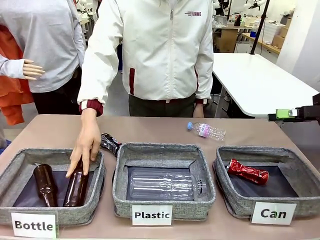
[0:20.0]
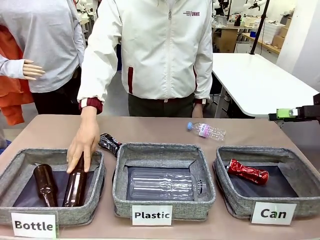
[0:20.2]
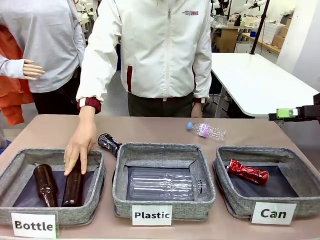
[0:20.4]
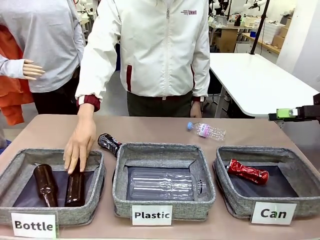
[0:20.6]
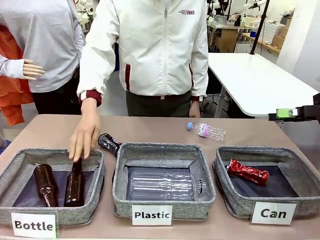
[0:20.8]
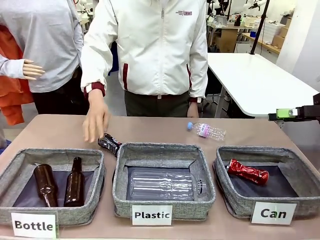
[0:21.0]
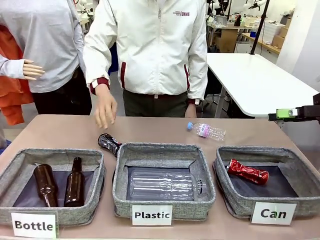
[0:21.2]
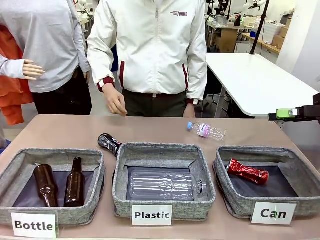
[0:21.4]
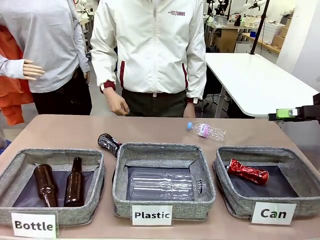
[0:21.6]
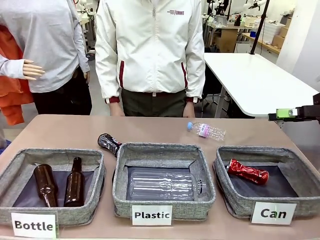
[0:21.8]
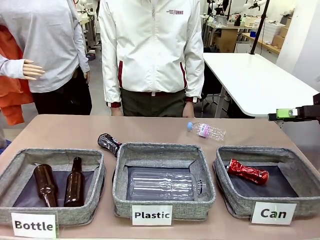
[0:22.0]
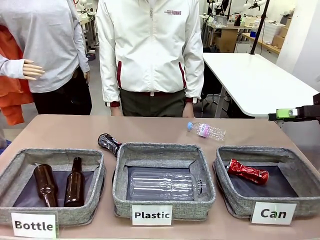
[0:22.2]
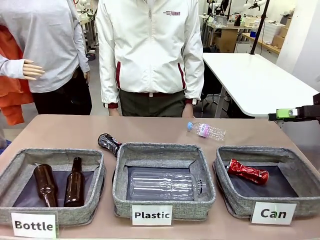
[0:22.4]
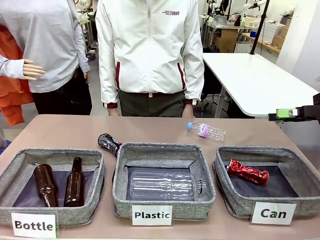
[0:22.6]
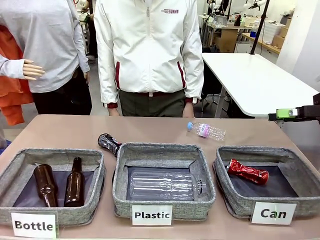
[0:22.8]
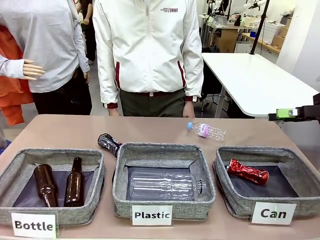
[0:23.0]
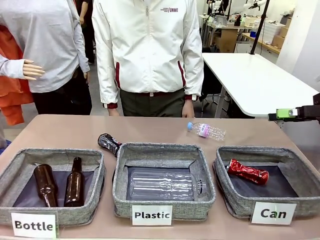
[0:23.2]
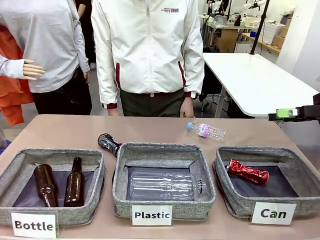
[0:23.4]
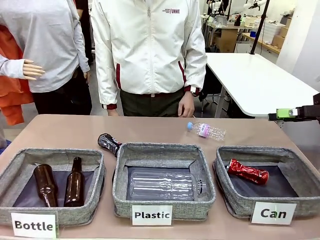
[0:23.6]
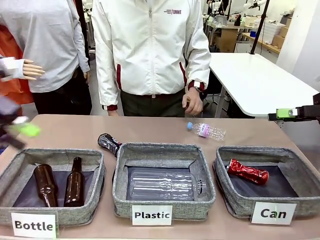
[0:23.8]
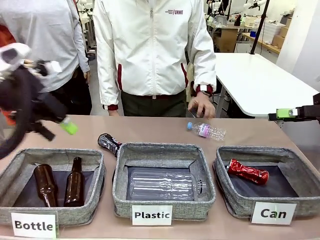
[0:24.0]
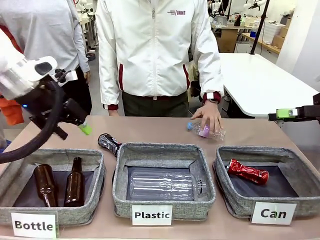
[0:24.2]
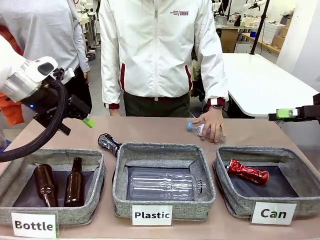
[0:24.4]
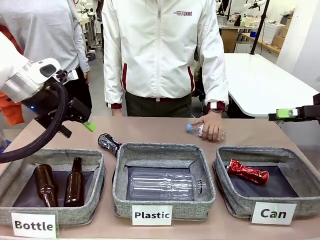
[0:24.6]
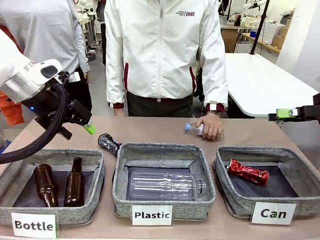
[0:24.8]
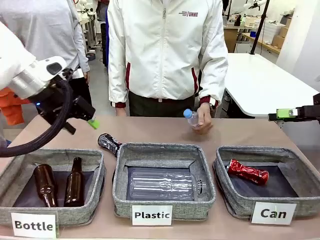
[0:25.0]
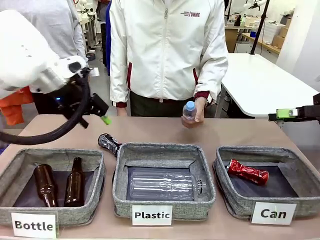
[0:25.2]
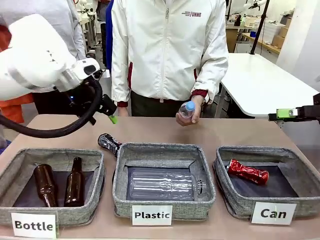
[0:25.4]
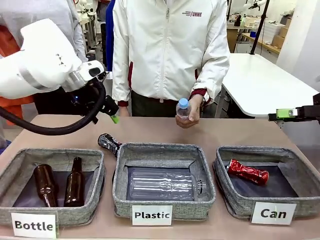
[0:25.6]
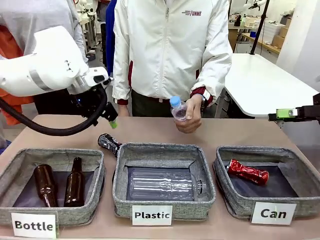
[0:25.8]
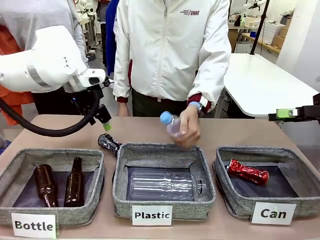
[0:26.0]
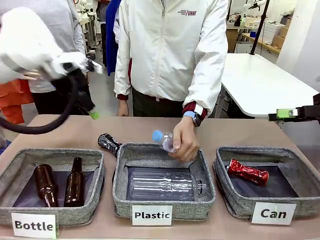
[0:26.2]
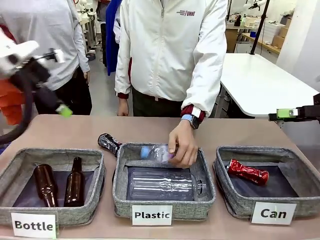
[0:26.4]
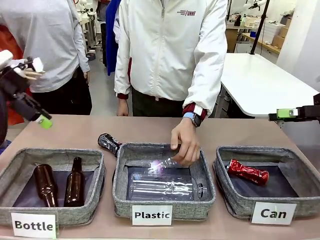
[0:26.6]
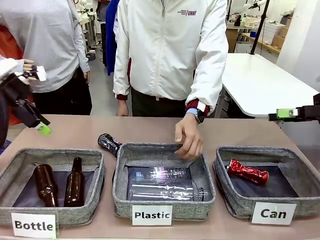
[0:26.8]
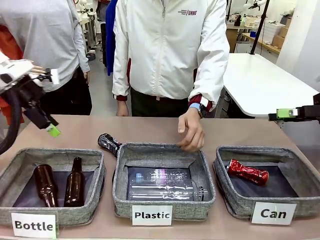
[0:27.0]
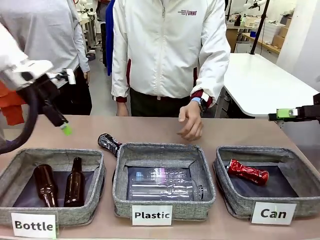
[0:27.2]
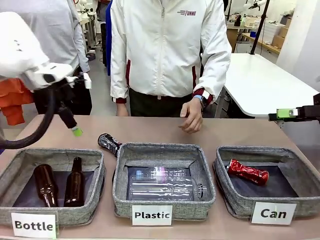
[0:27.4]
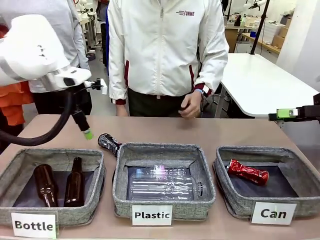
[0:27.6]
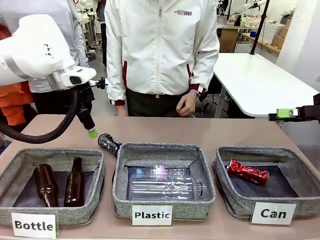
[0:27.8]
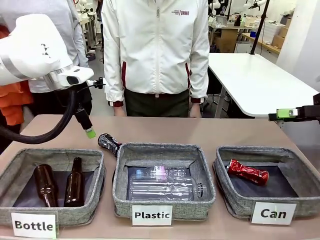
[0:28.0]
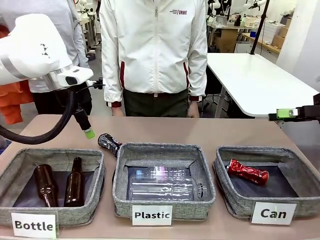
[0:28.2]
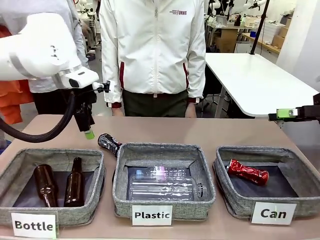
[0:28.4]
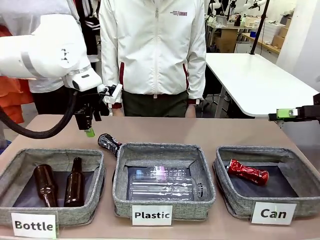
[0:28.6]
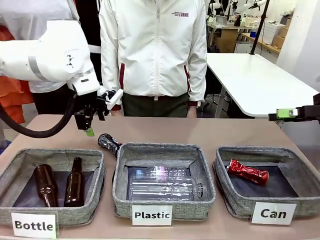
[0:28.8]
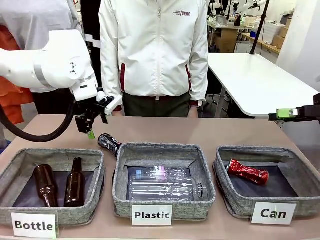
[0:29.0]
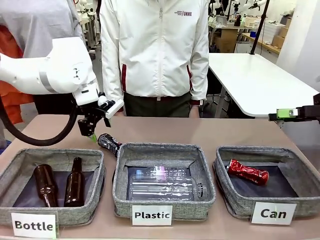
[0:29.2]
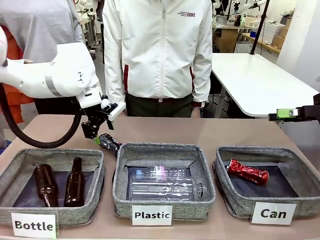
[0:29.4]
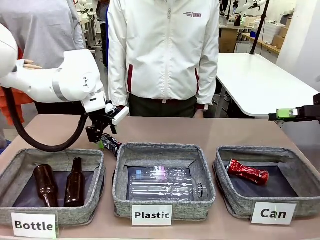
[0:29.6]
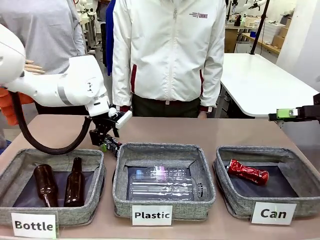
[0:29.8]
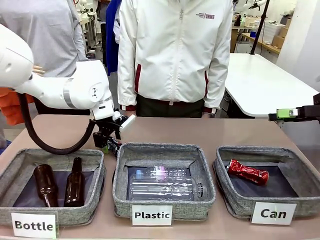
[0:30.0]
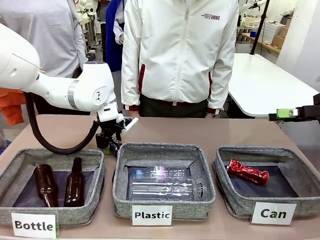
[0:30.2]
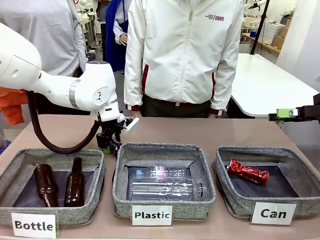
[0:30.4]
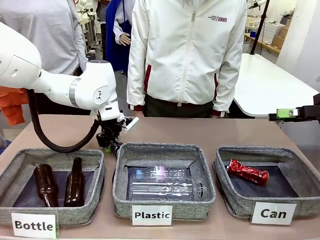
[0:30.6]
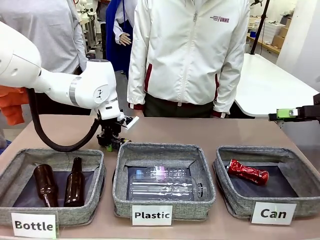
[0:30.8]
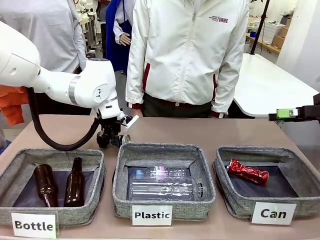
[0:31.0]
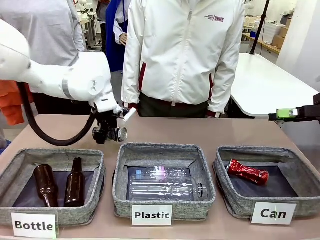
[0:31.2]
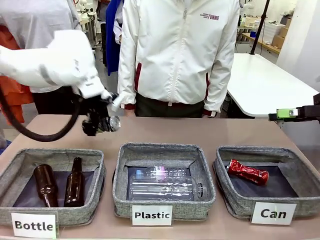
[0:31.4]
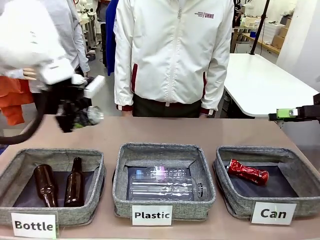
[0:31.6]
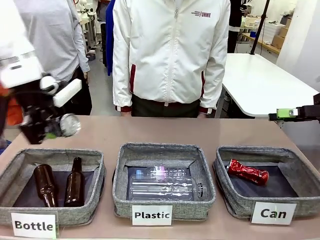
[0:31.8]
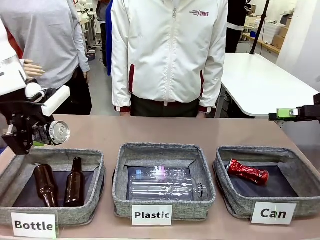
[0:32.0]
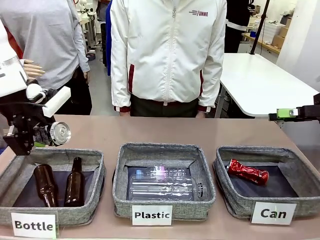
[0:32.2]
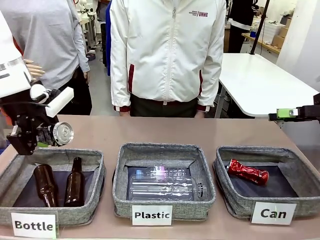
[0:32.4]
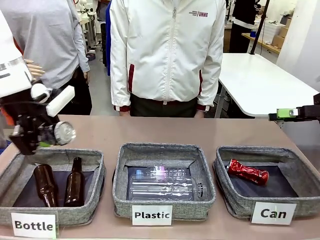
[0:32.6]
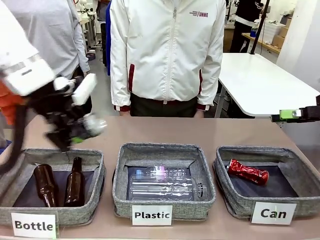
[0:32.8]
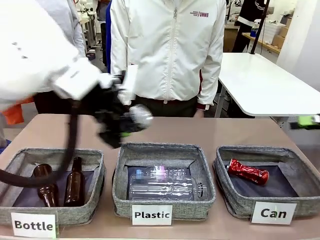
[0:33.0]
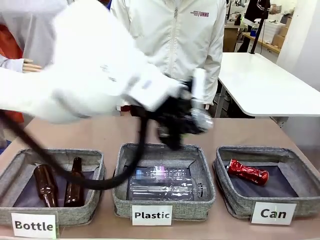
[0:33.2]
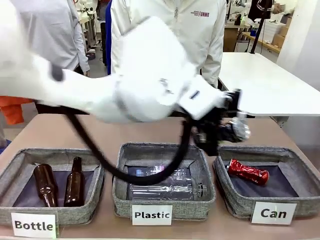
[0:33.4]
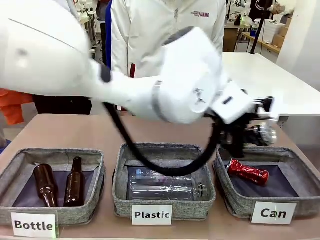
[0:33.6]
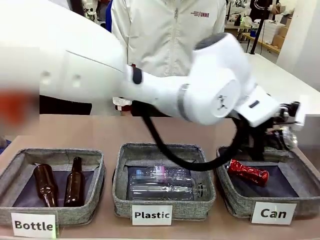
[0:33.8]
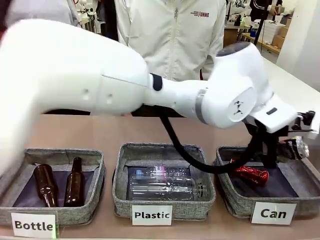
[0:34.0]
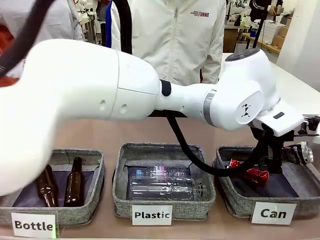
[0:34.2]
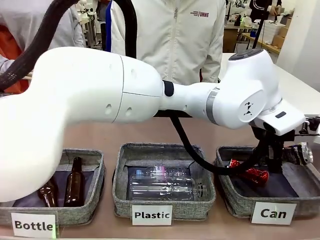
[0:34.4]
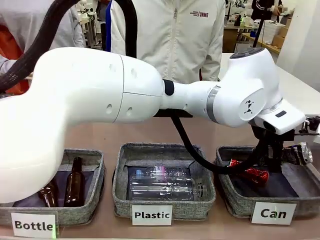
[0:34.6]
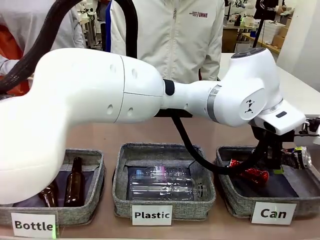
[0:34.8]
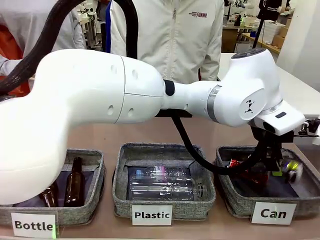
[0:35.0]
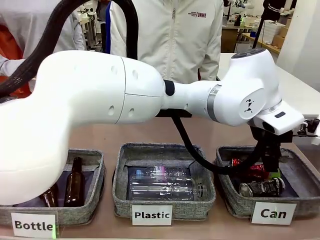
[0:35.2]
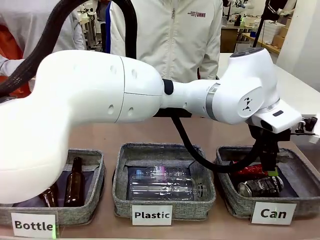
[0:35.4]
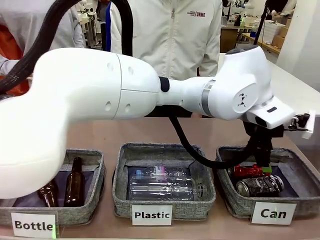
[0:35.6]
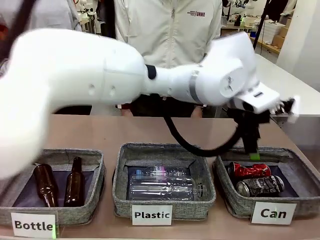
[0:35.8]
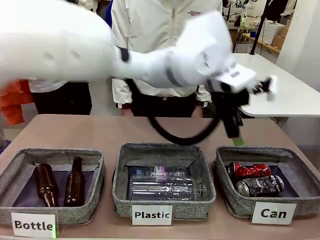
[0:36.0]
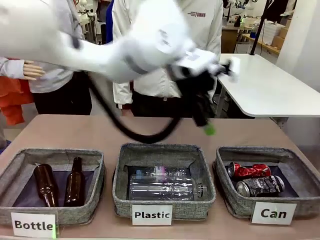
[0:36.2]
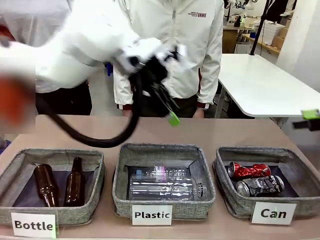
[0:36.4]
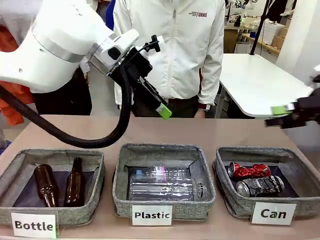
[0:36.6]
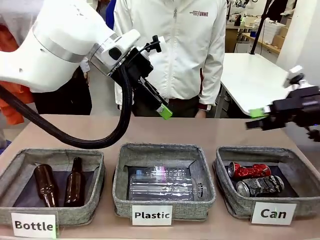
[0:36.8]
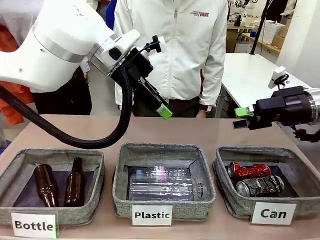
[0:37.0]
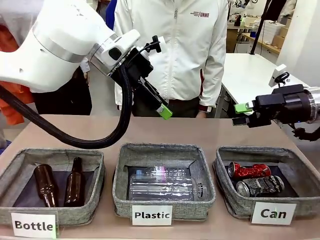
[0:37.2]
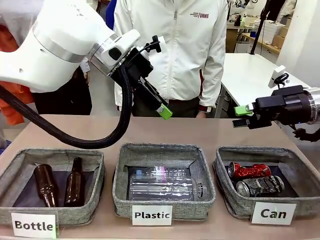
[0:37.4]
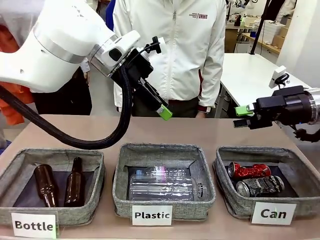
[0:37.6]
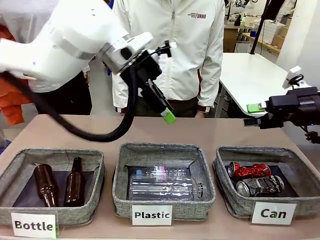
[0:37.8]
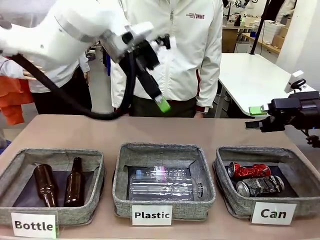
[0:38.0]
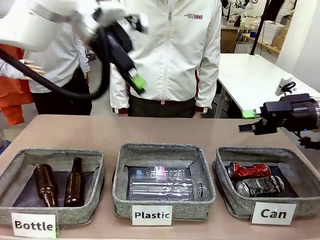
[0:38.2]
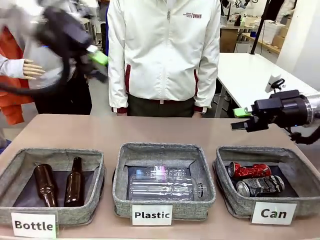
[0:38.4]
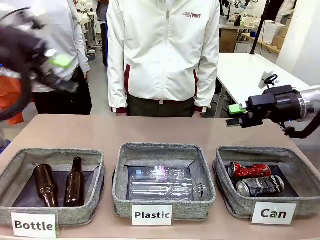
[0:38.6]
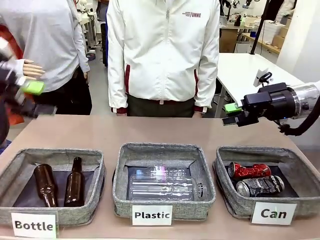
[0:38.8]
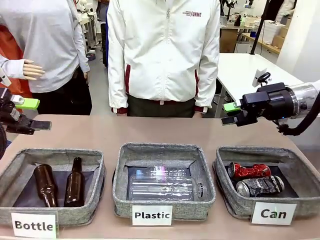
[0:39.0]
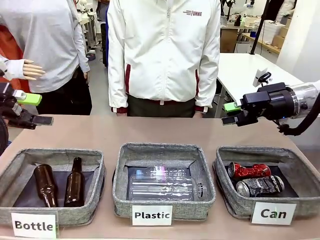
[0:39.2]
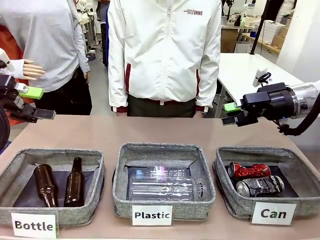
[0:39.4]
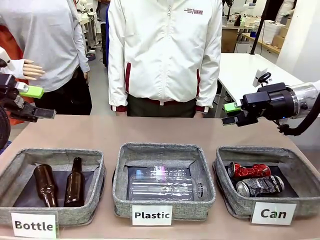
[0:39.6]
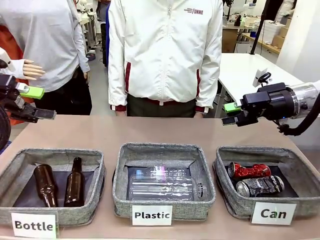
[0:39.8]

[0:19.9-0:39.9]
Task: Sort the can waste into the basket.
Robot: Pick up the can waste from the table and place it in the right Fabric basket.
Person: The human picks up one piece of trash that is not a can and places the trash into the appropriate organizing basket.
